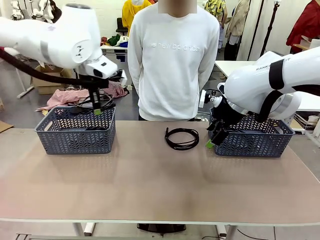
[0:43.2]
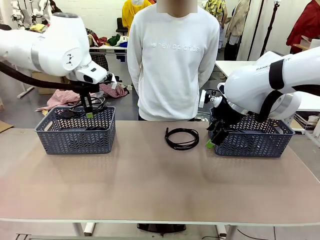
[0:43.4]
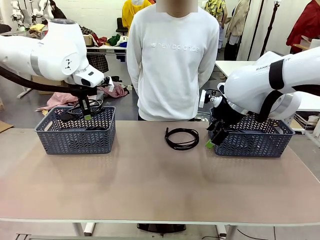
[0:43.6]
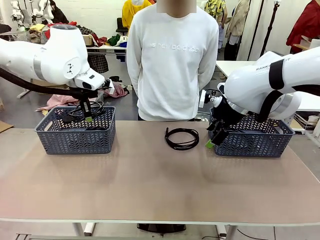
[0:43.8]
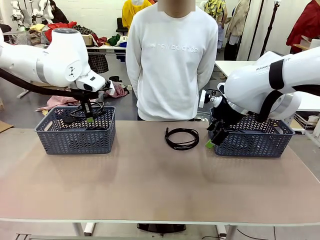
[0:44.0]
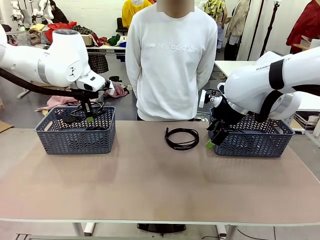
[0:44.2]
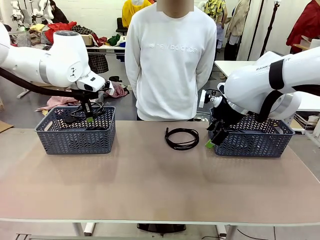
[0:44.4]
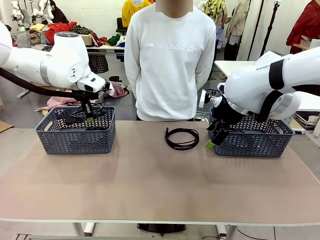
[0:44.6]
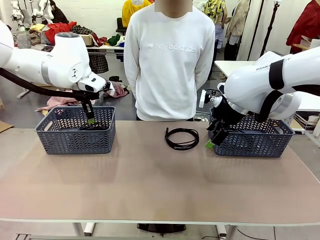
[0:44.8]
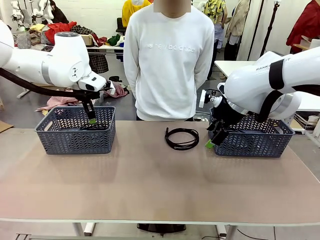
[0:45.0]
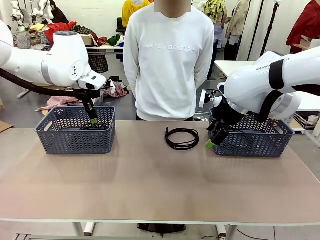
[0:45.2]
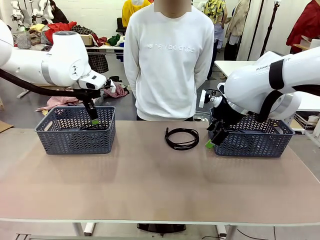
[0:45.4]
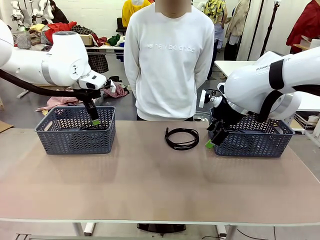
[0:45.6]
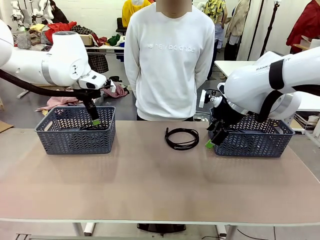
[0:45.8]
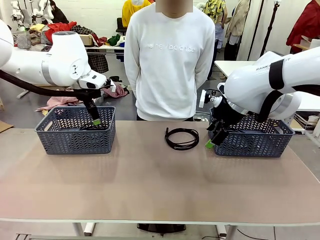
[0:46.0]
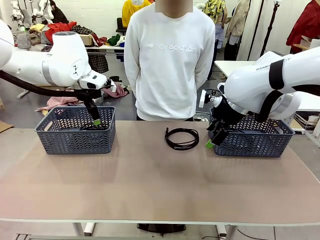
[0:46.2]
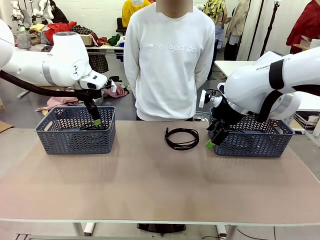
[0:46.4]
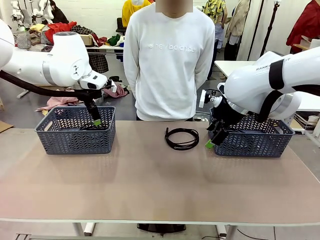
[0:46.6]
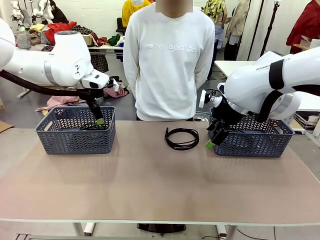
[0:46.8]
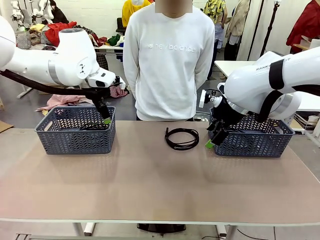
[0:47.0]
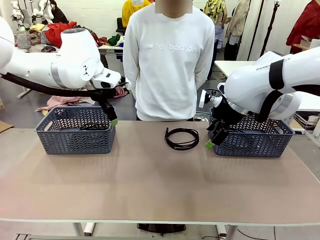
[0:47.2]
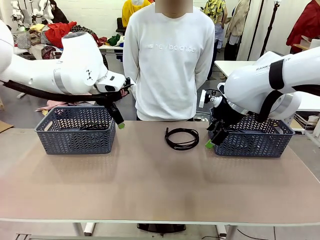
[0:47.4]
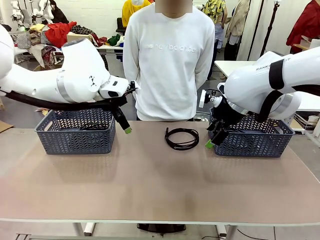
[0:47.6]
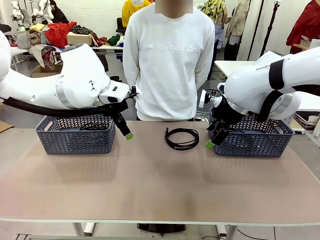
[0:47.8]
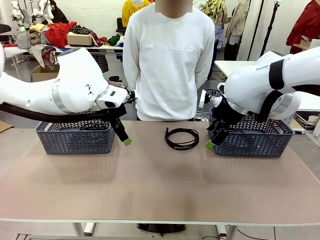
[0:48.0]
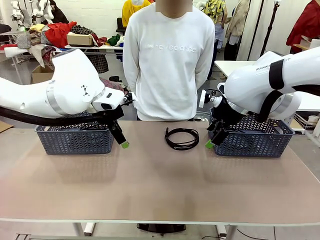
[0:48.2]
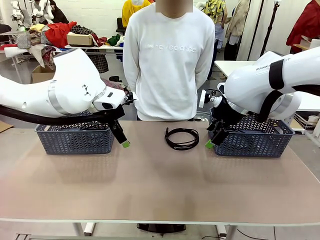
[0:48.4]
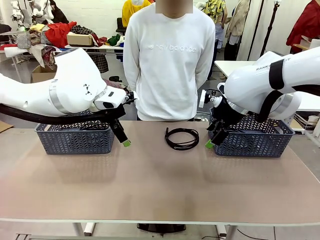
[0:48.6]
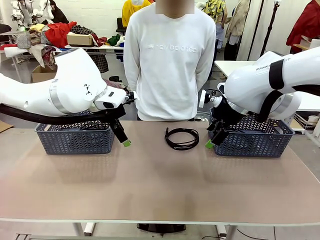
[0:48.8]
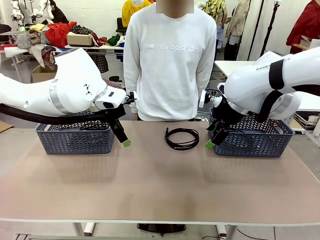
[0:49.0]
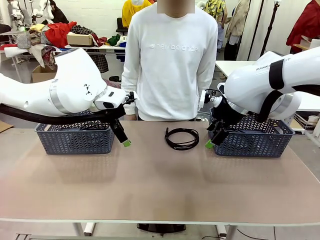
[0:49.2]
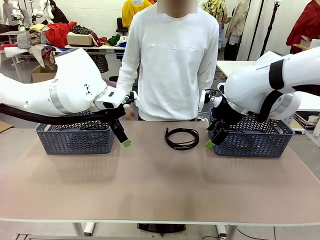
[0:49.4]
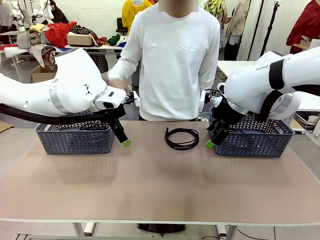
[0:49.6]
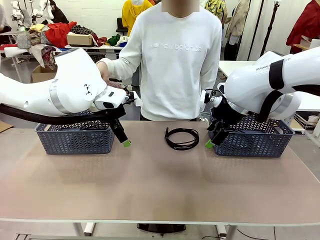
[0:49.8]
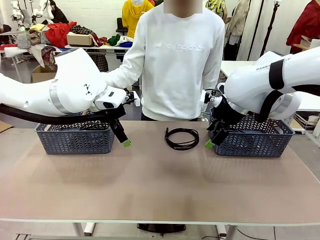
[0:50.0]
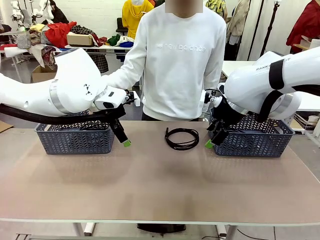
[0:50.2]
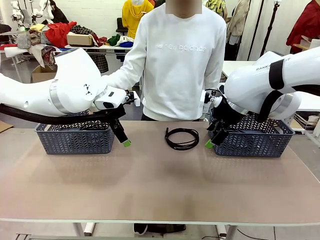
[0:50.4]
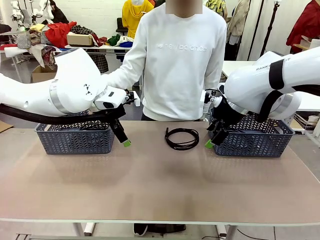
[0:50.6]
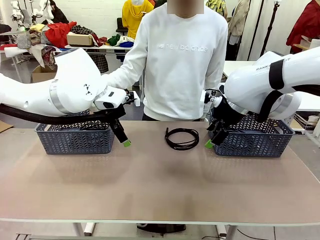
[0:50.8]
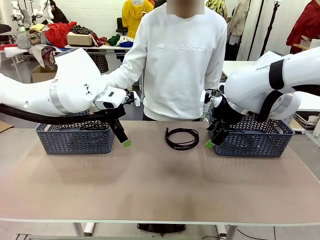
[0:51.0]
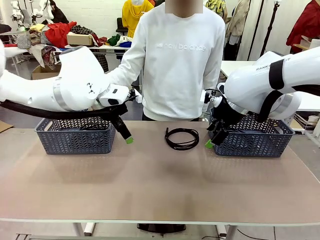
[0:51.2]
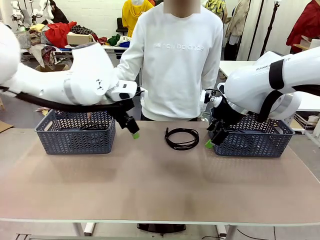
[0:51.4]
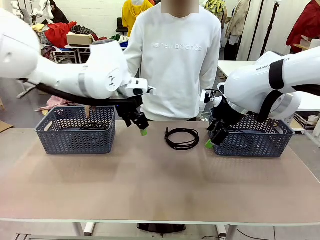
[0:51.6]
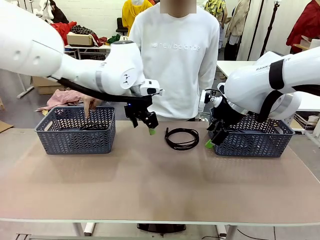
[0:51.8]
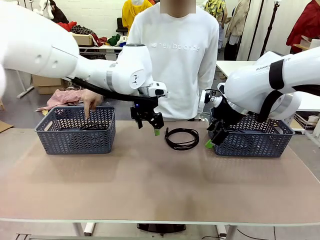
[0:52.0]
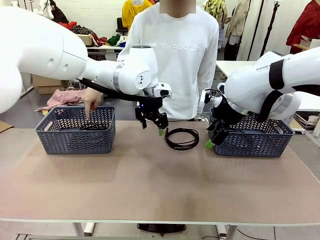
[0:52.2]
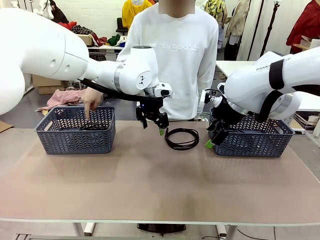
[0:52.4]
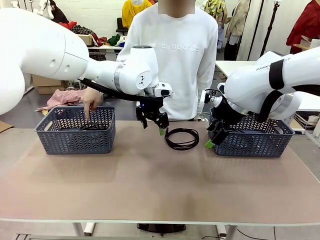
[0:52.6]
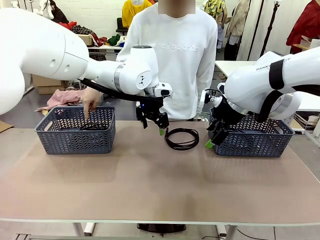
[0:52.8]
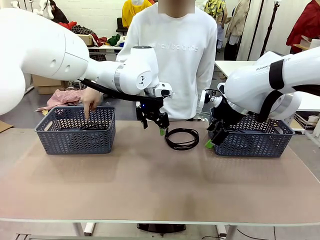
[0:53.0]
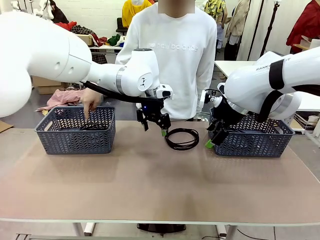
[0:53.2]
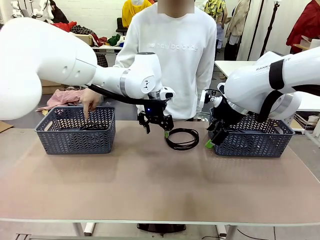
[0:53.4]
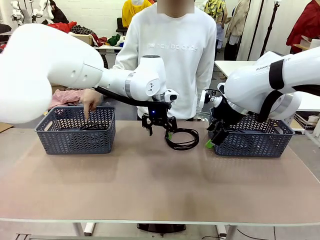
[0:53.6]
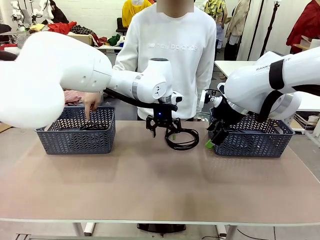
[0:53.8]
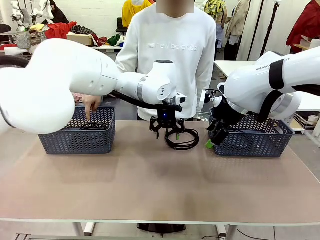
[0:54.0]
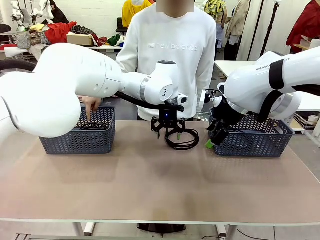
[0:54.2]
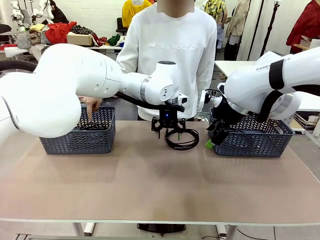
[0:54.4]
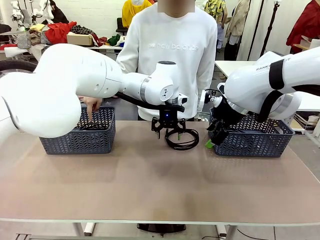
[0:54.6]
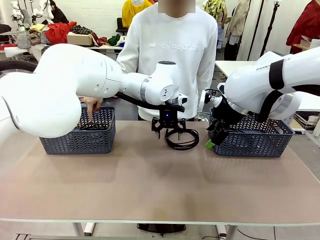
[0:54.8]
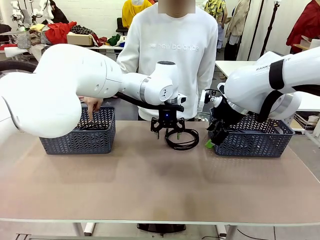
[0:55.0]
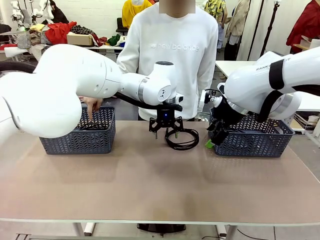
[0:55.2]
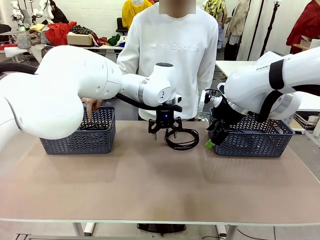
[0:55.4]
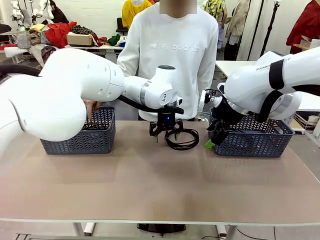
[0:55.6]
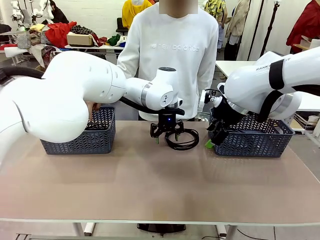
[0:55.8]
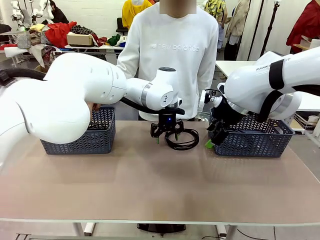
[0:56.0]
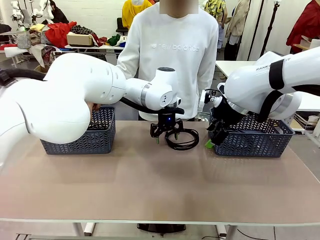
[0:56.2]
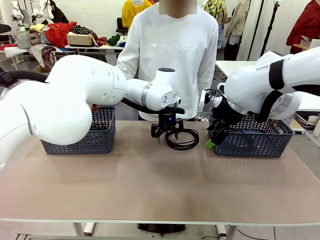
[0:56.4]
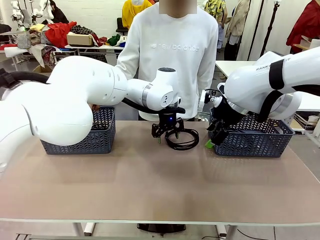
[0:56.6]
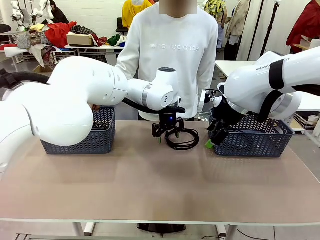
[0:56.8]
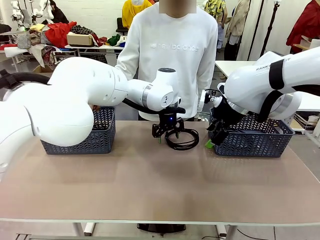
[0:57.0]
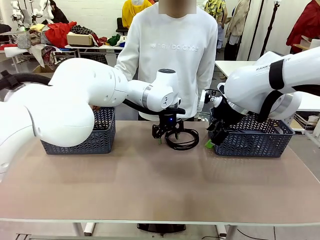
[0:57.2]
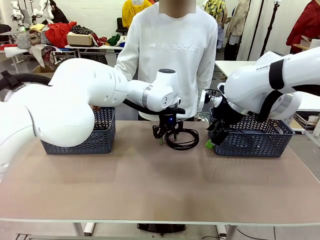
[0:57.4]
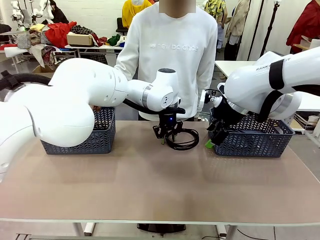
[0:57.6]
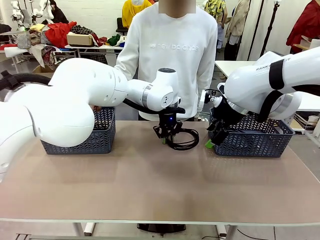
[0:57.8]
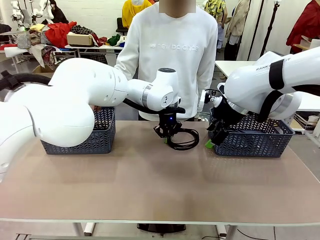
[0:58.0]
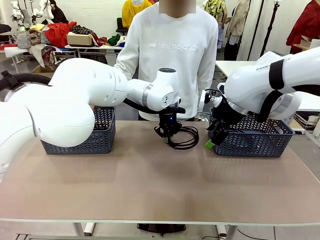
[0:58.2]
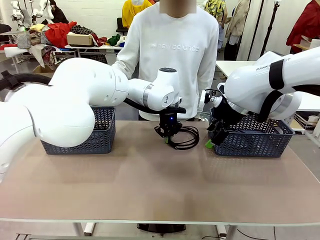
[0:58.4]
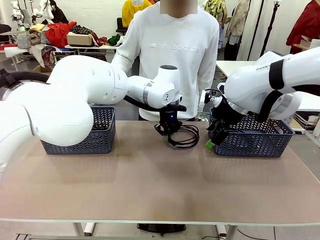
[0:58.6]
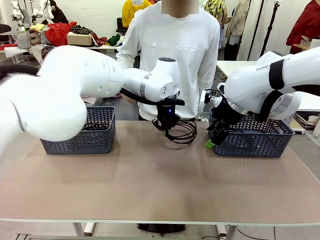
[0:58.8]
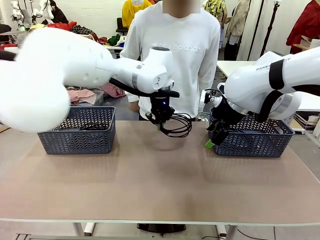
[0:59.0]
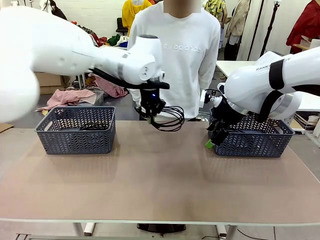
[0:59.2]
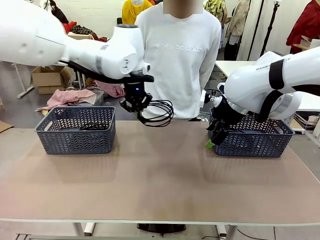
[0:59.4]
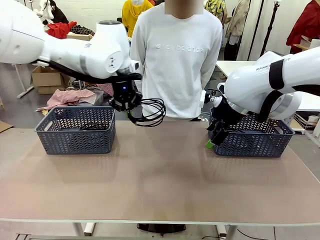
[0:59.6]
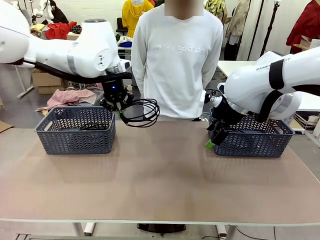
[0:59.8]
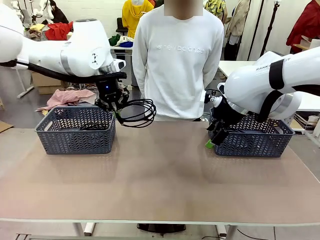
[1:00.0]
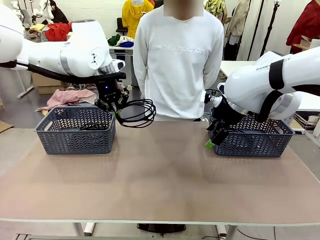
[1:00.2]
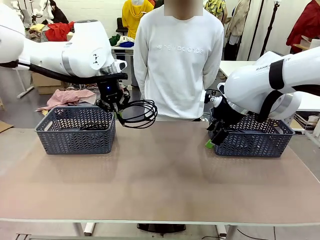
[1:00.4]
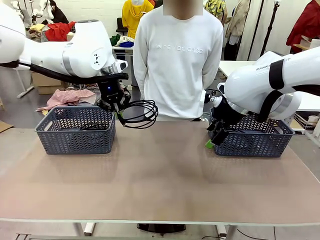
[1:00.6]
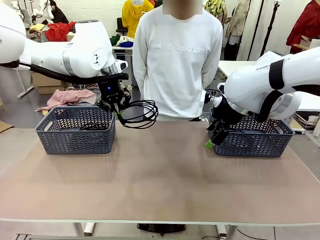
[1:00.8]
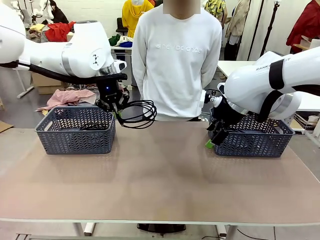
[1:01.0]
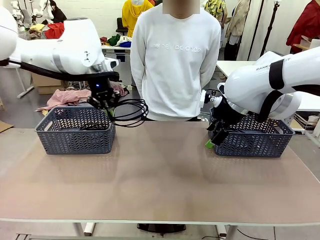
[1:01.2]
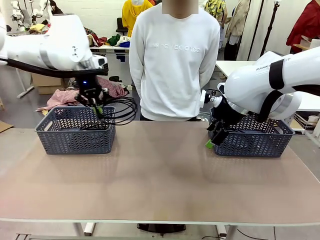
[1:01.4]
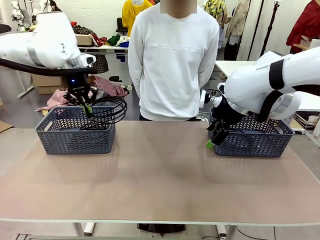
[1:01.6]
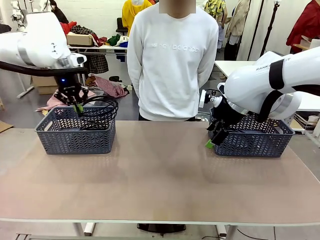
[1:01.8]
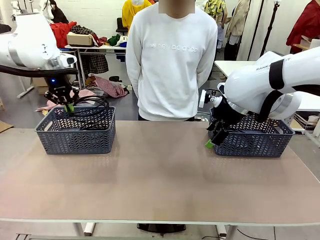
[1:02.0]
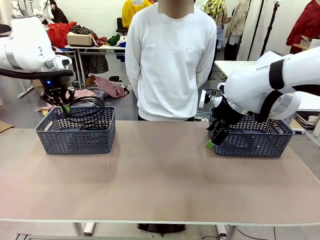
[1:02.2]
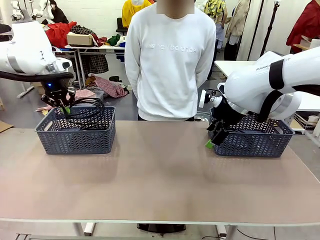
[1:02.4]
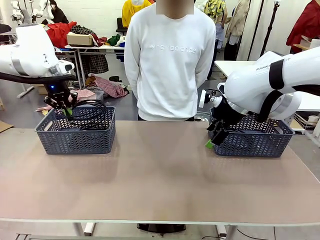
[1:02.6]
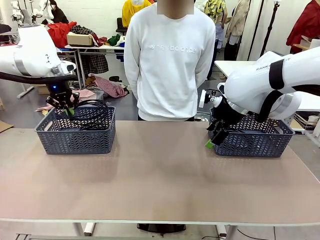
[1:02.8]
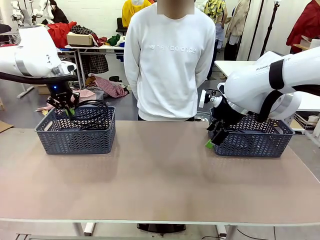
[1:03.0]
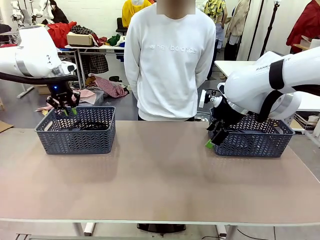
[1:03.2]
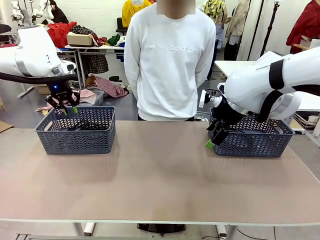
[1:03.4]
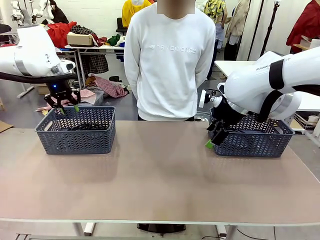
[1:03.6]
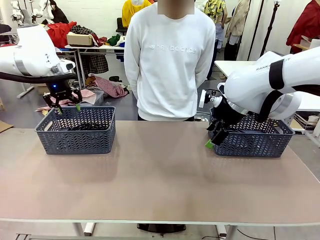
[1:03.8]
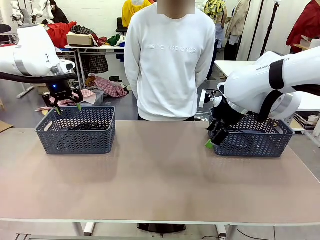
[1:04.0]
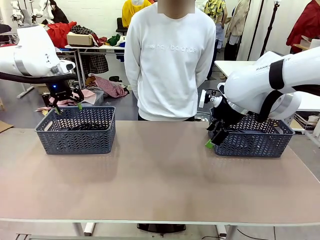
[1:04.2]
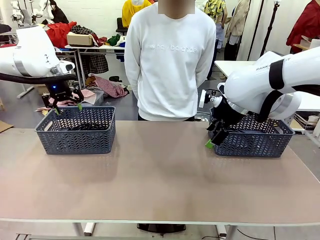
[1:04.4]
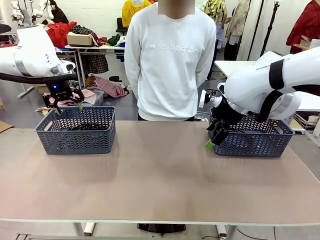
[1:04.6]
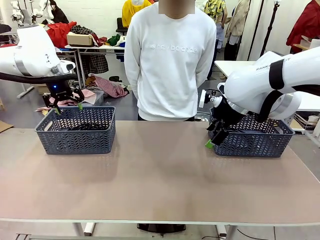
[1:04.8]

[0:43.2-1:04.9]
Task: Organize the cables according to human instructions.
Robot: Pick up a bundle of cables and place it in the basket indicated by the human.
